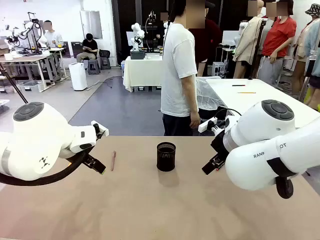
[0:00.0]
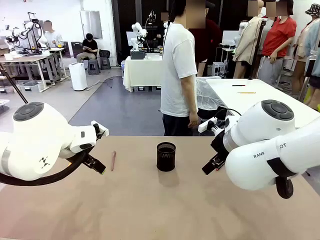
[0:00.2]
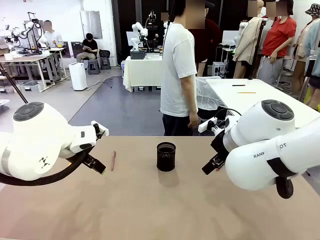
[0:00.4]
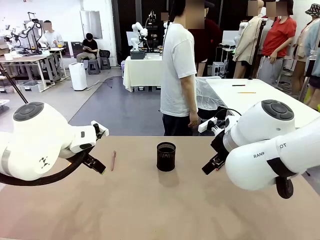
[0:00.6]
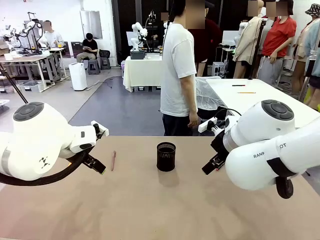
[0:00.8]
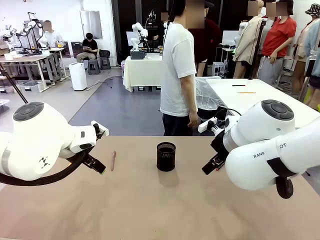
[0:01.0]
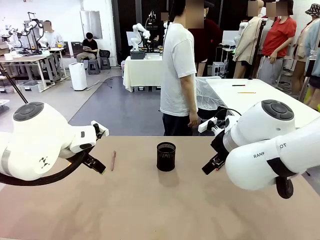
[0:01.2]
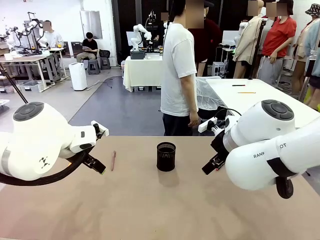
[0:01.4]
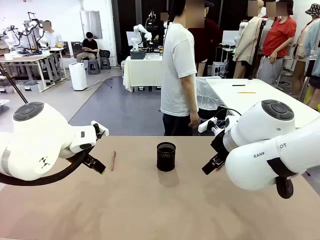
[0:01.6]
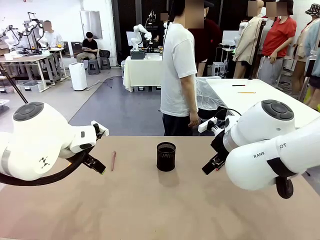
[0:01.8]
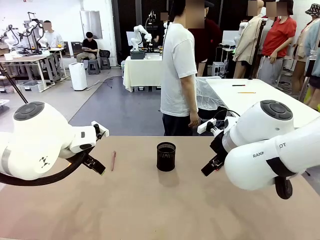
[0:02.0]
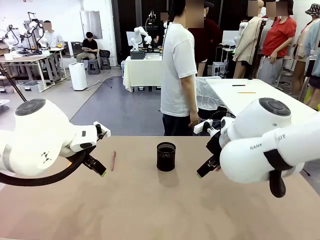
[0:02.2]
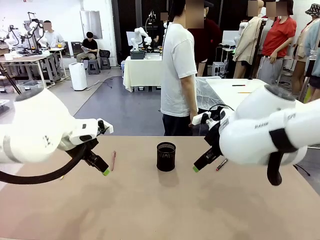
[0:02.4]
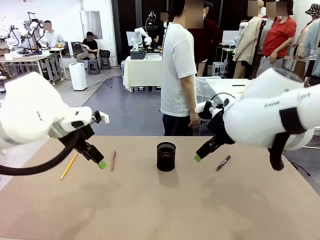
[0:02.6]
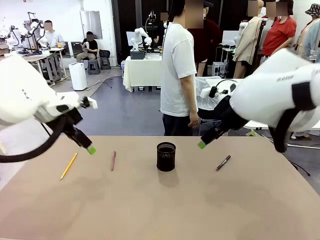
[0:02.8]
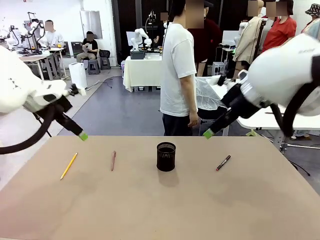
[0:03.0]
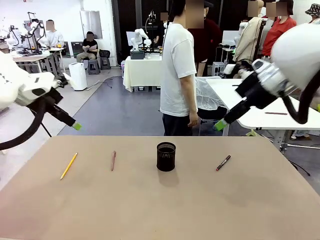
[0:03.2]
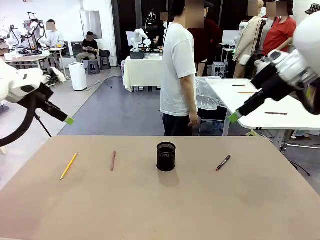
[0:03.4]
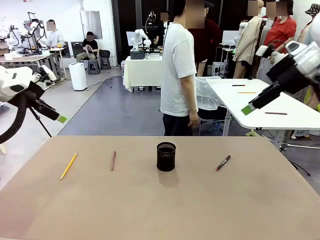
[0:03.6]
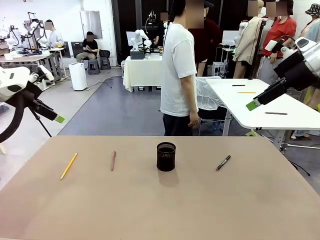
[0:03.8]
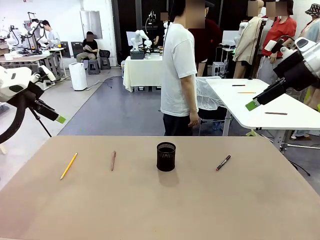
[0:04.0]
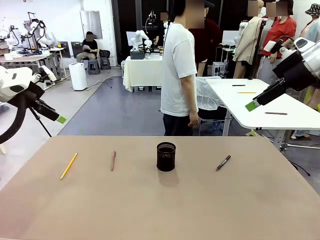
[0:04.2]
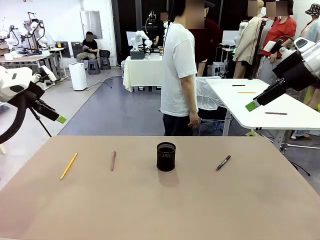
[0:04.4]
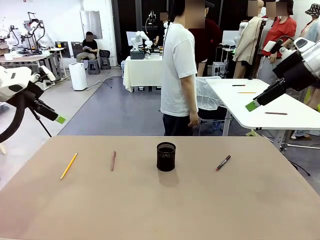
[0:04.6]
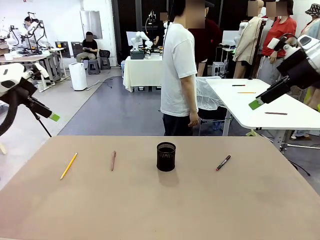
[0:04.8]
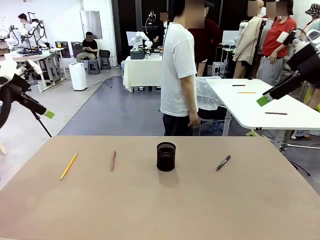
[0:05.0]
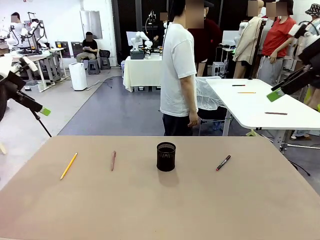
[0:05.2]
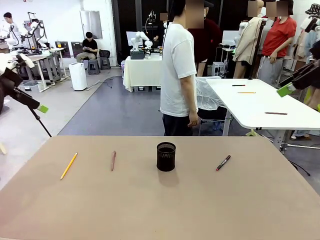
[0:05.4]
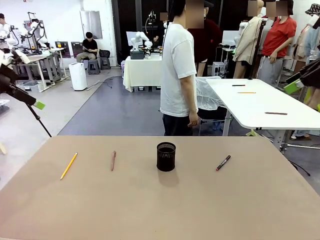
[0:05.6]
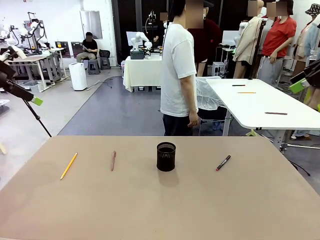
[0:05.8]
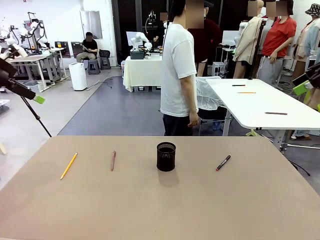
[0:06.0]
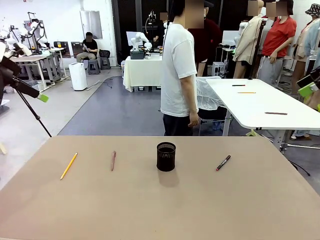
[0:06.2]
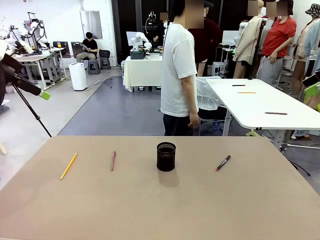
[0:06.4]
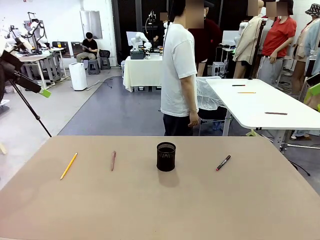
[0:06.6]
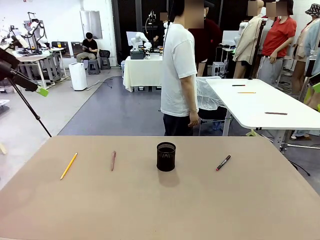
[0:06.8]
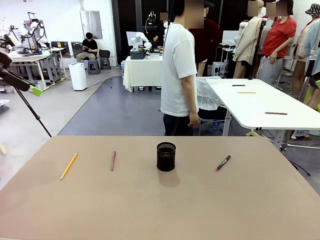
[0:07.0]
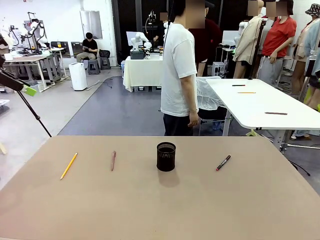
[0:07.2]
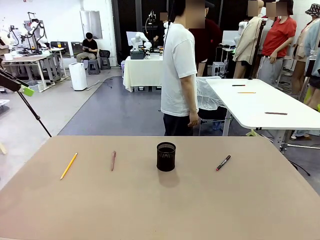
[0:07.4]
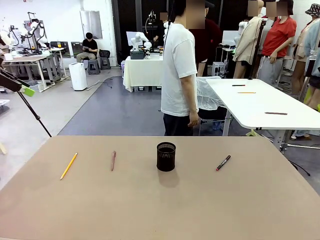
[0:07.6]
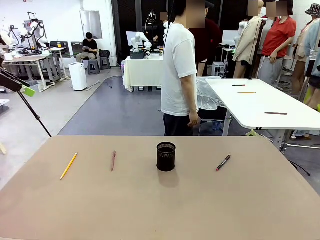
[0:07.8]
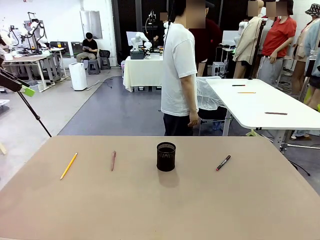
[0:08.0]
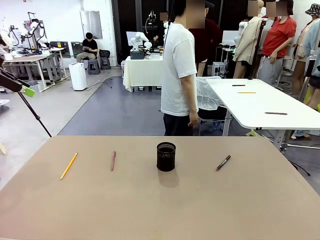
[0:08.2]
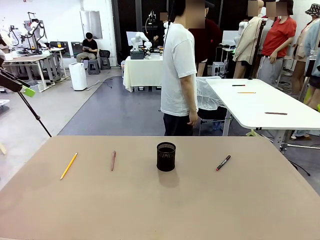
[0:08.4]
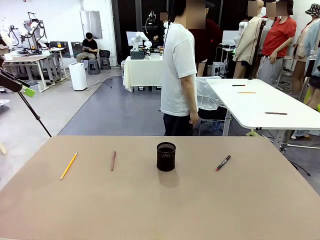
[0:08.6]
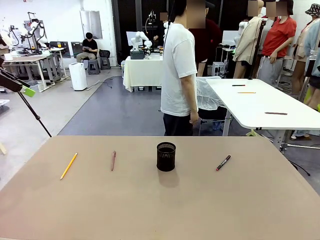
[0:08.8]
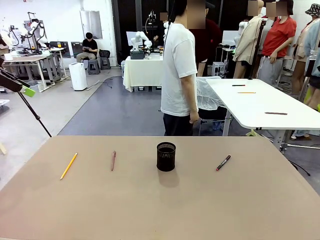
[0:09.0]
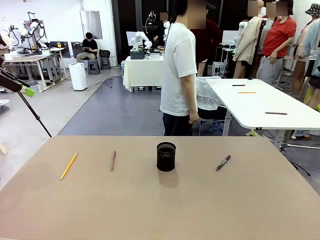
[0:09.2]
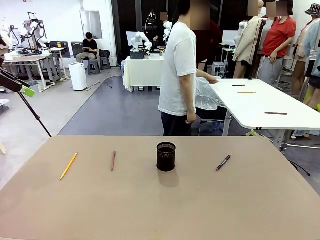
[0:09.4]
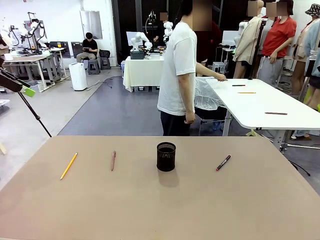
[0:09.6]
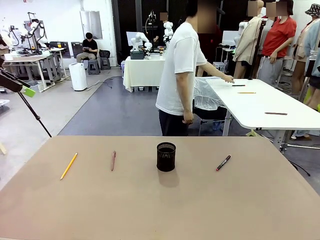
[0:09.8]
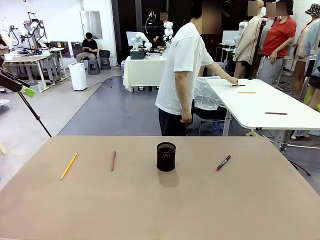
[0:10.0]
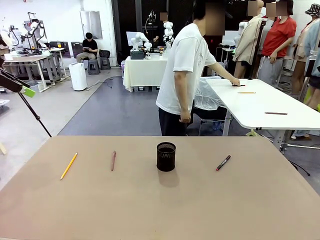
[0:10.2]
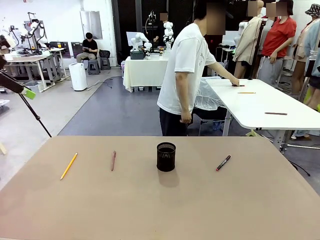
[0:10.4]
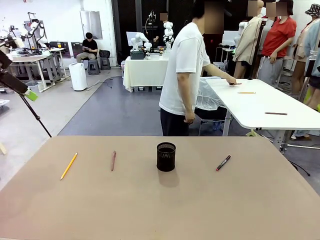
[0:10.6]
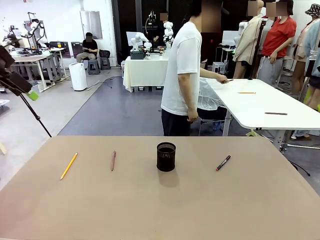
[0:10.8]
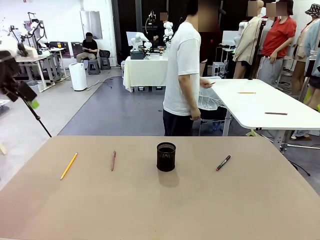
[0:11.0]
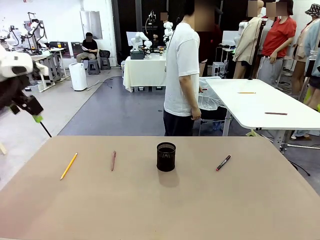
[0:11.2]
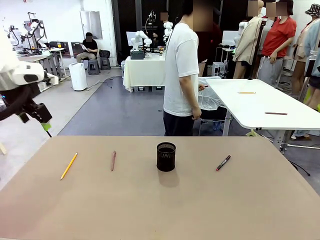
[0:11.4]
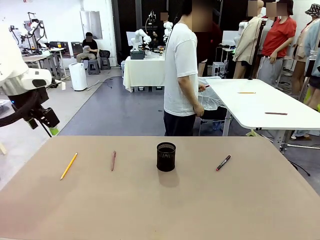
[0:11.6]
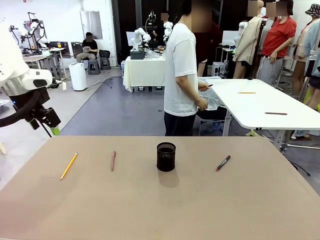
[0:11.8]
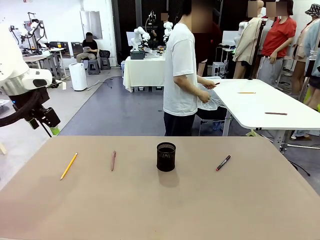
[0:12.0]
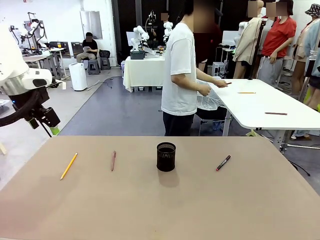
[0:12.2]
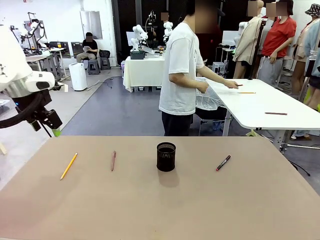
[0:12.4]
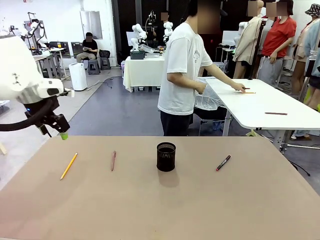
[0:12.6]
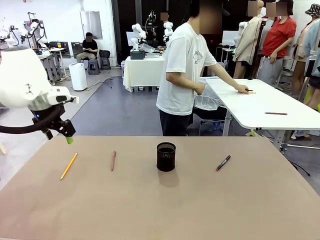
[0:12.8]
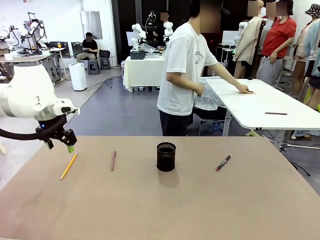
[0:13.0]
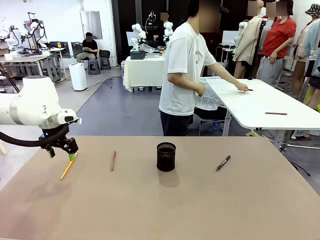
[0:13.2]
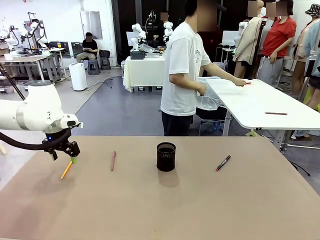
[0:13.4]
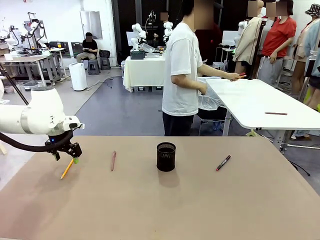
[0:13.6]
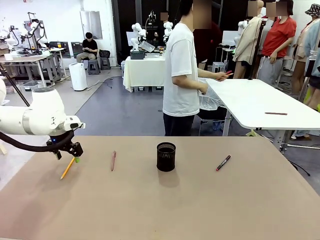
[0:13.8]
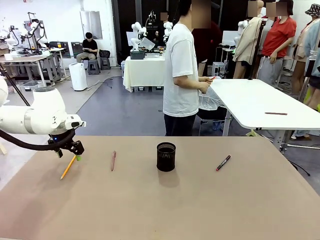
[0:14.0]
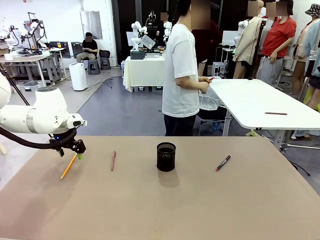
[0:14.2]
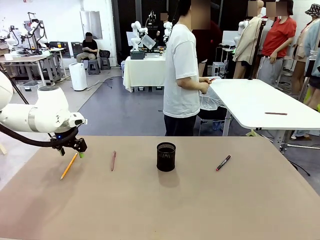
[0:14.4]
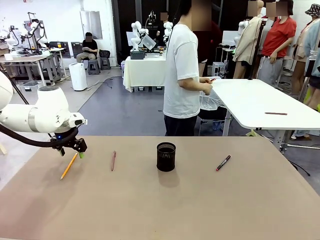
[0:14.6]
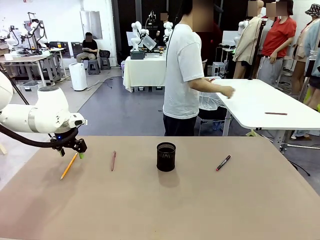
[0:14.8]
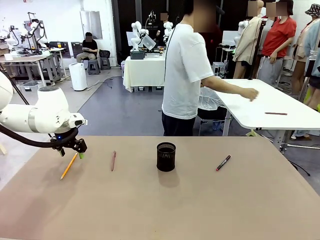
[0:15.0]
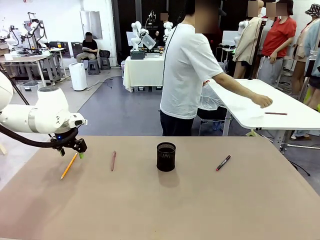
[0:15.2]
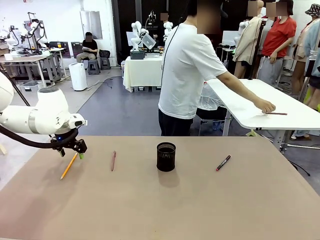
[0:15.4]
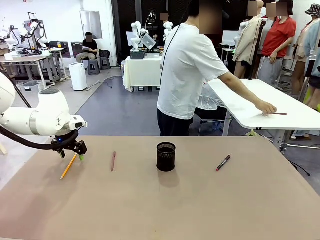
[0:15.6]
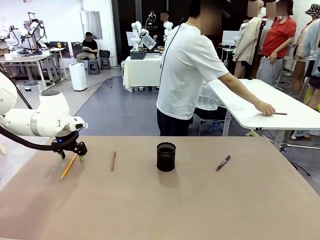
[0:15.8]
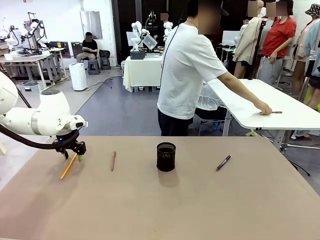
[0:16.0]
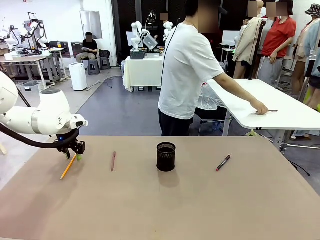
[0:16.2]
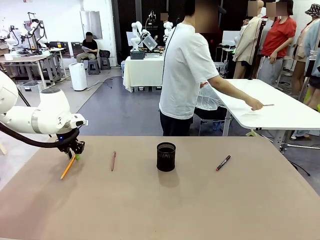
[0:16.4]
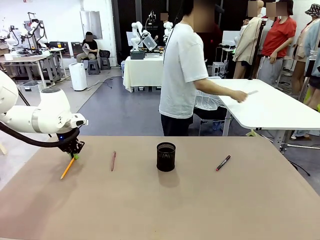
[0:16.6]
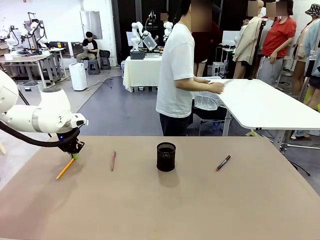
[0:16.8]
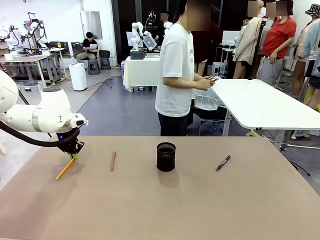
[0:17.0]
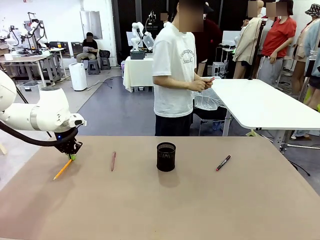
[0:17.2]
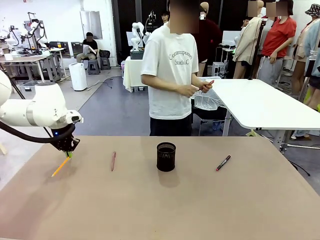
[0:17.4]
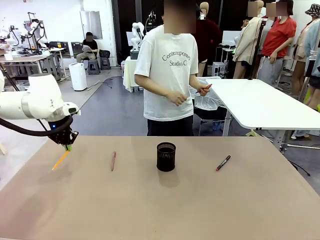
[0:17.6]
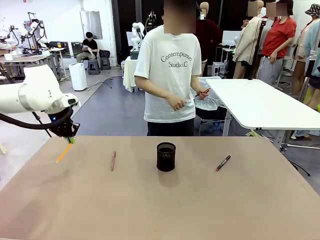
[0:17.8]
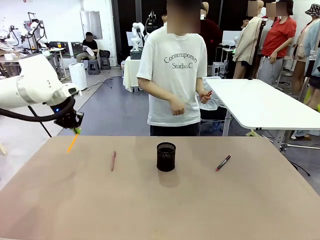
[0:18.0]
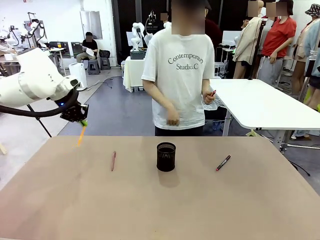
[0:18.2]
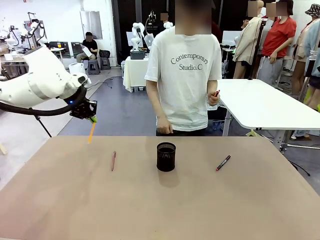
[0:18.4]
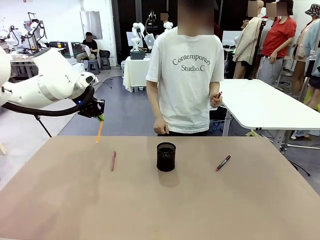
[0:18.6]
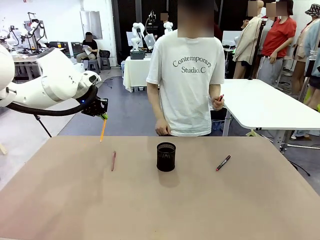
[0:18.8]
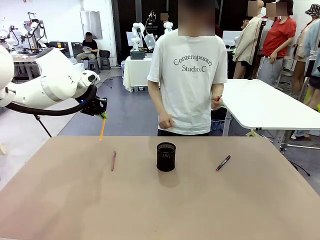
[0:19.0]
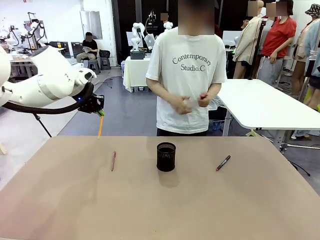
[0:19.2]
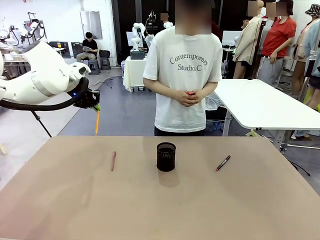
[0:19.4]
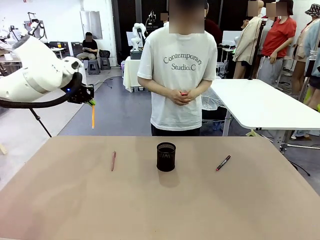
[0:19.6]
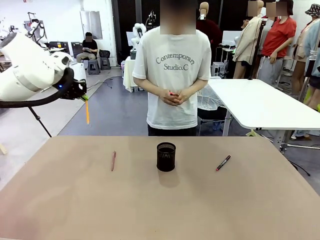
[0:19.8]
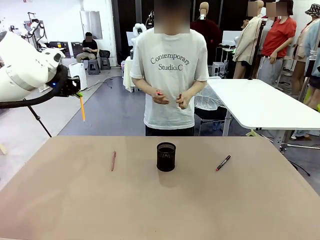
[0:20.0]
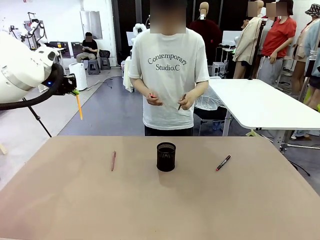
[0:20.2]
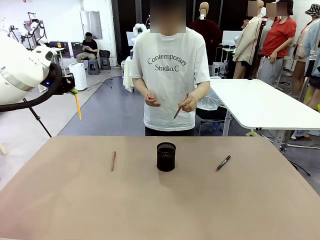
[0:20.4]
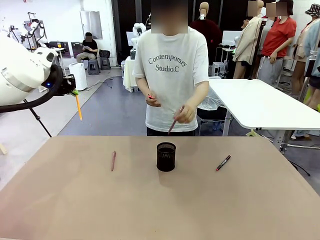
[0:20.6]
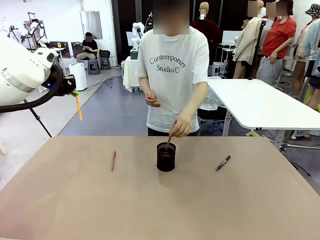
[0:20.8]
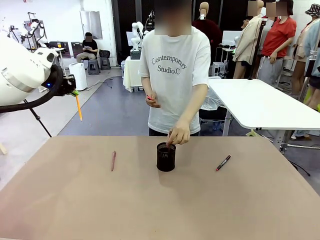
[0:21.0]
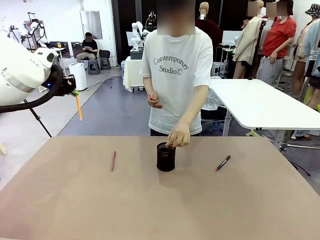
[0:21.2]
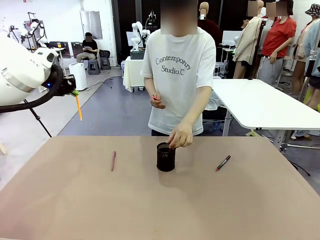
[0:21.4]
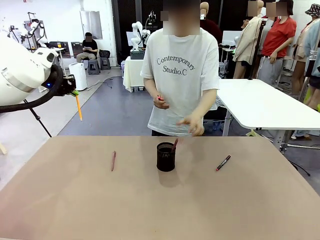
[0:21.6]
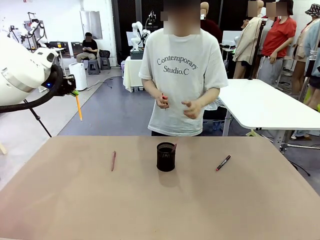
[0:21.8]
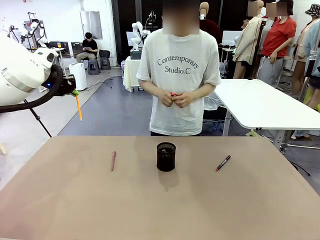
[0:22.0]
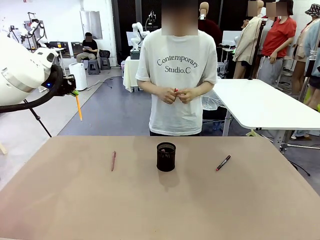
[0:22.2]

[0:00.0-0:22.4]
Task: Place the pens into the pen holder.
Robot: Pick up a writing instrument from the table and place it into the Pen holder.
Person: Pick up all writing instruments from the Human table.
